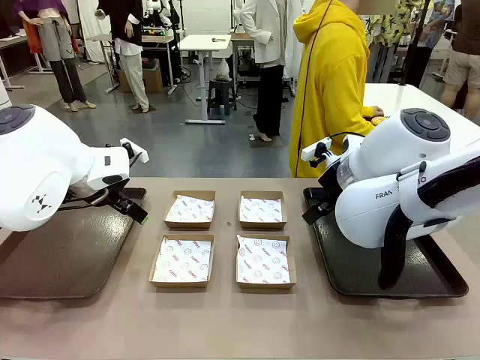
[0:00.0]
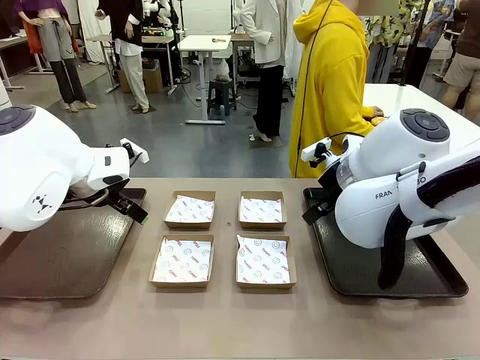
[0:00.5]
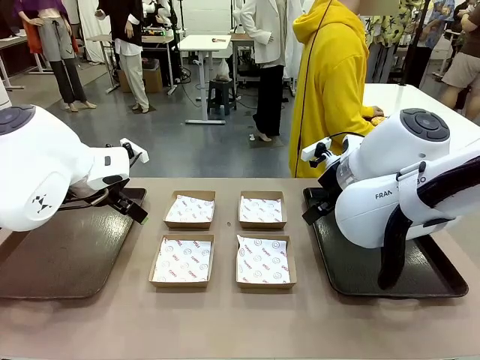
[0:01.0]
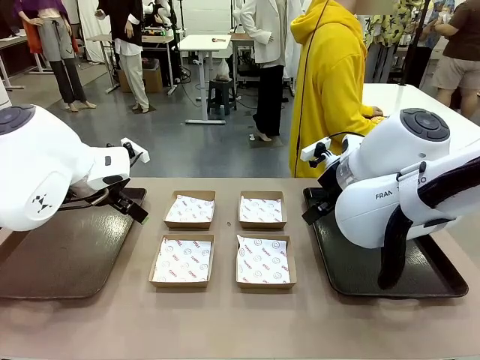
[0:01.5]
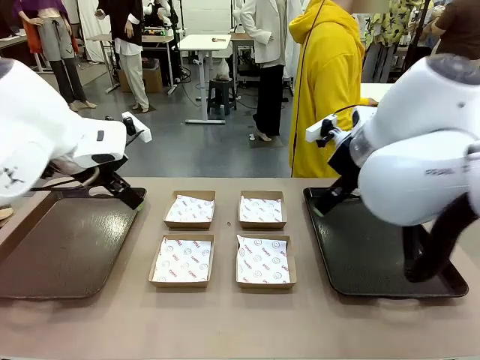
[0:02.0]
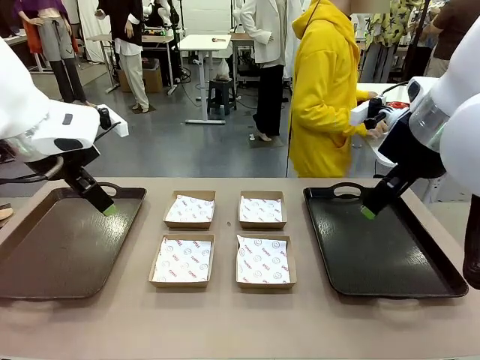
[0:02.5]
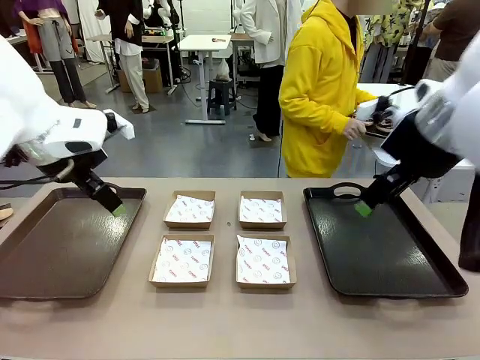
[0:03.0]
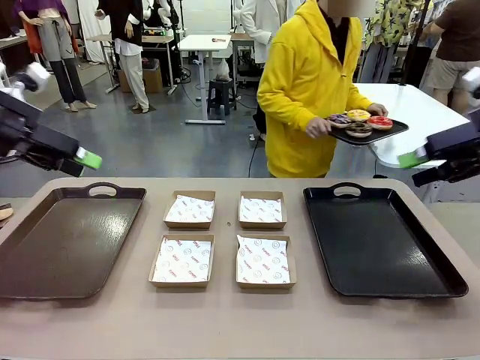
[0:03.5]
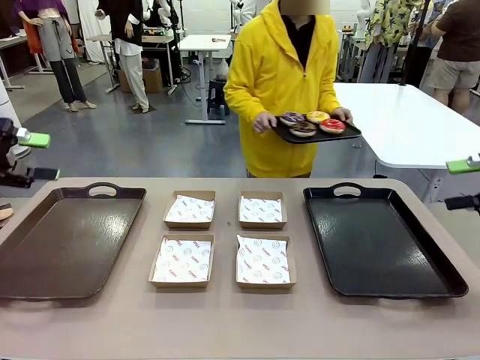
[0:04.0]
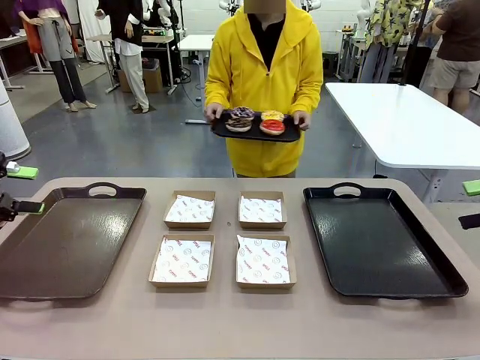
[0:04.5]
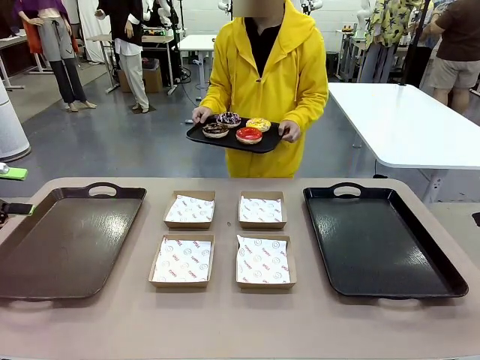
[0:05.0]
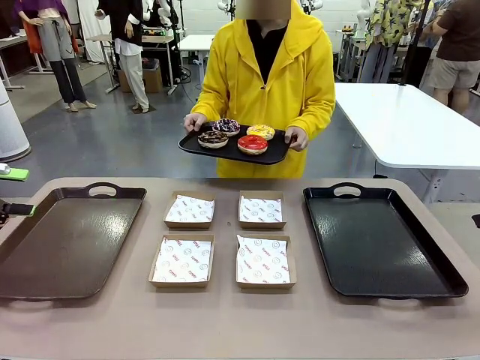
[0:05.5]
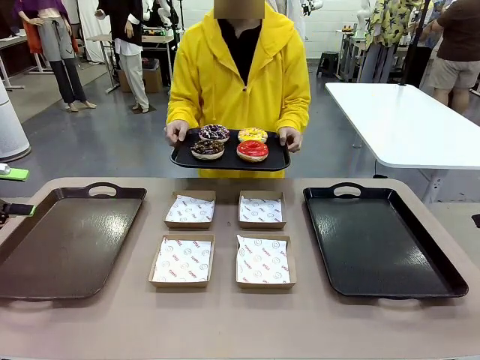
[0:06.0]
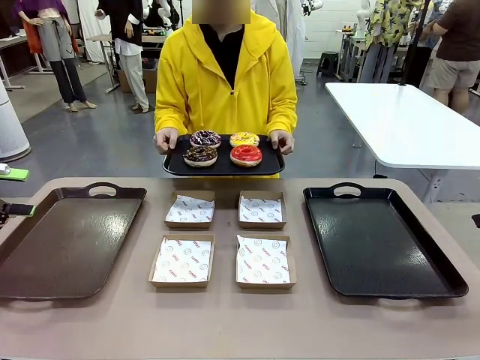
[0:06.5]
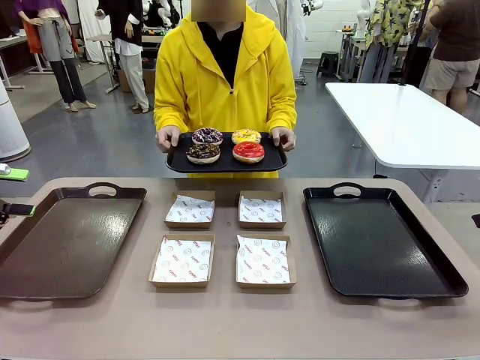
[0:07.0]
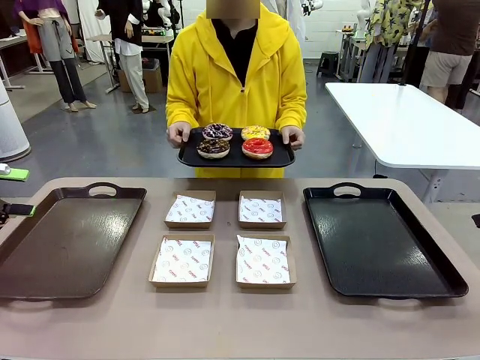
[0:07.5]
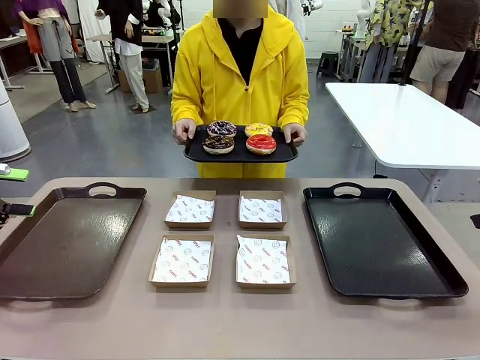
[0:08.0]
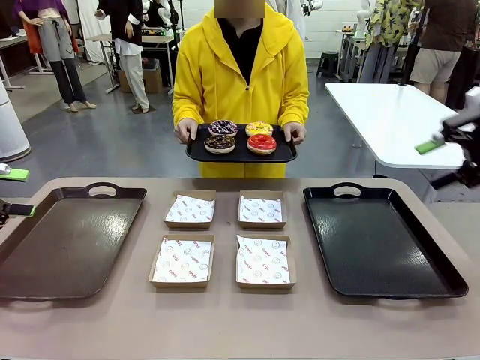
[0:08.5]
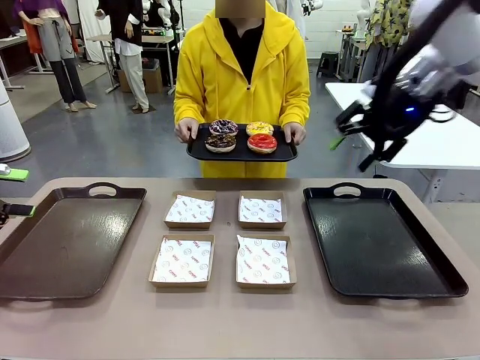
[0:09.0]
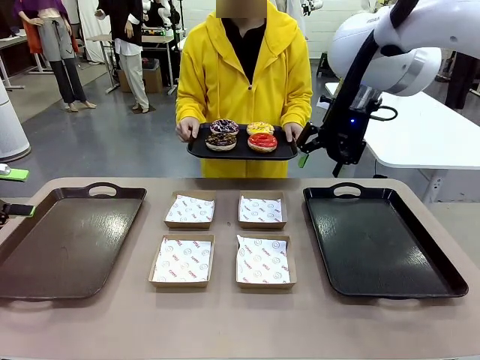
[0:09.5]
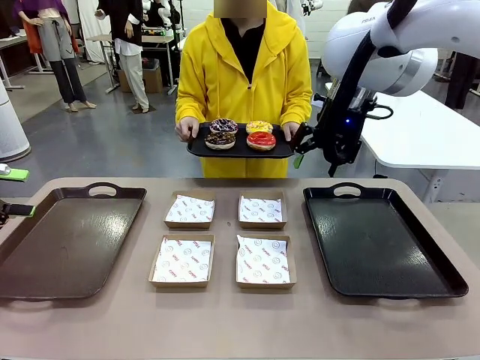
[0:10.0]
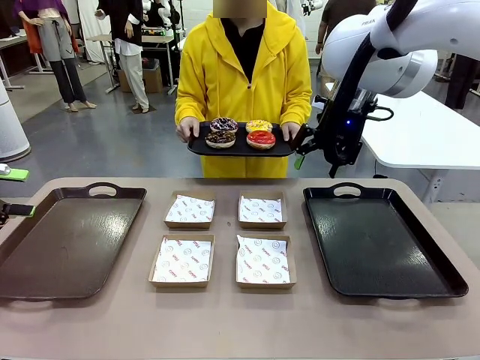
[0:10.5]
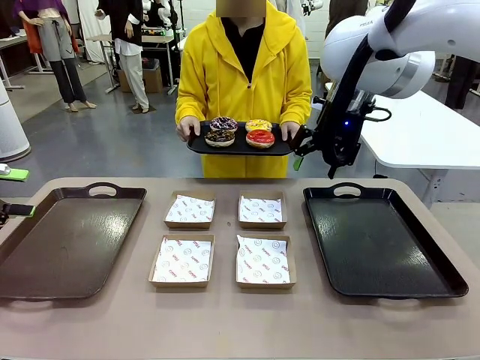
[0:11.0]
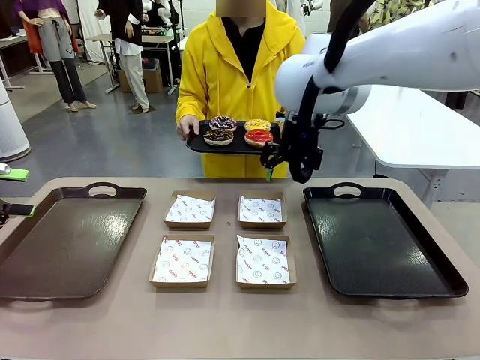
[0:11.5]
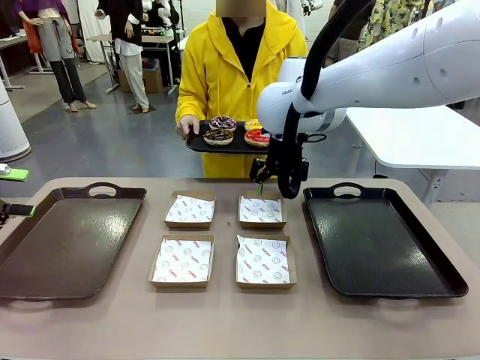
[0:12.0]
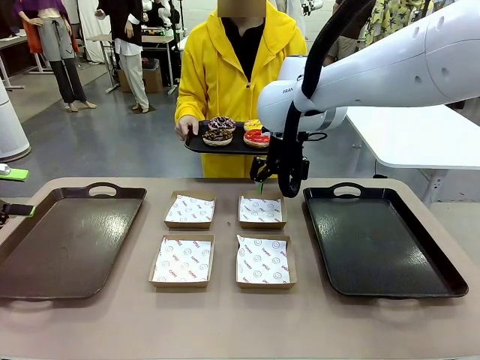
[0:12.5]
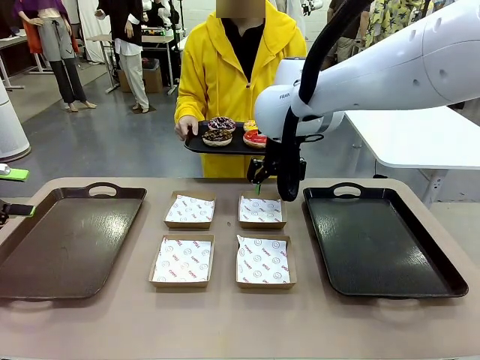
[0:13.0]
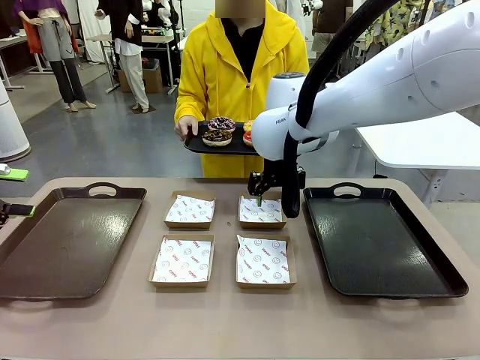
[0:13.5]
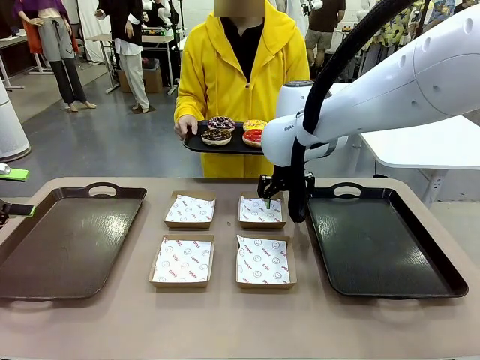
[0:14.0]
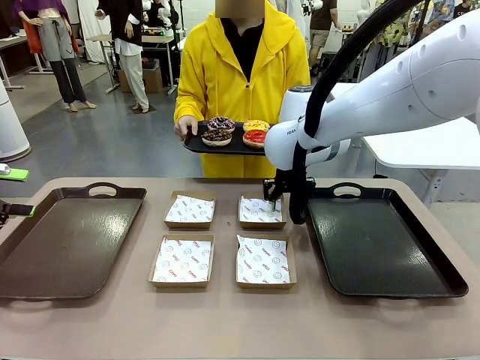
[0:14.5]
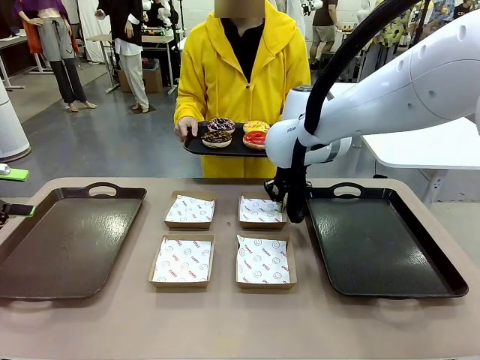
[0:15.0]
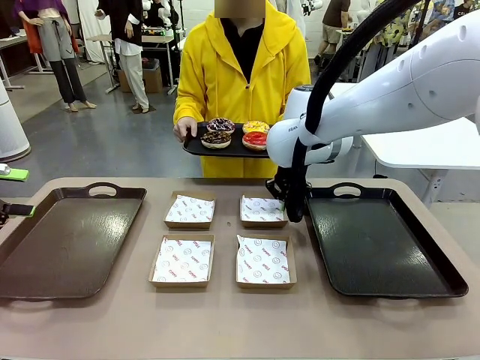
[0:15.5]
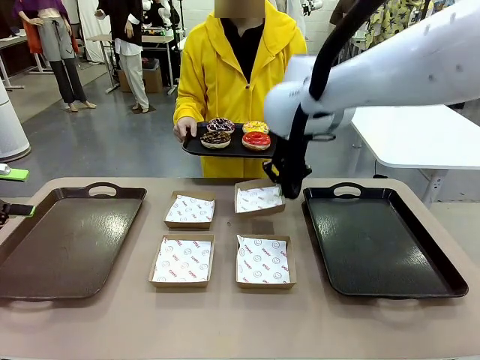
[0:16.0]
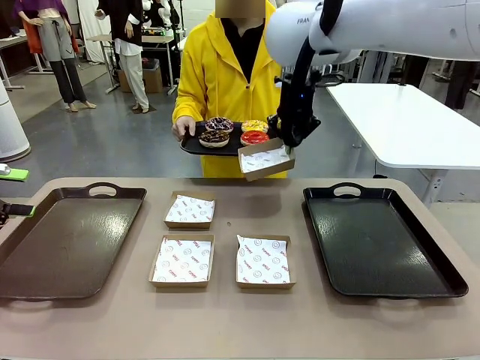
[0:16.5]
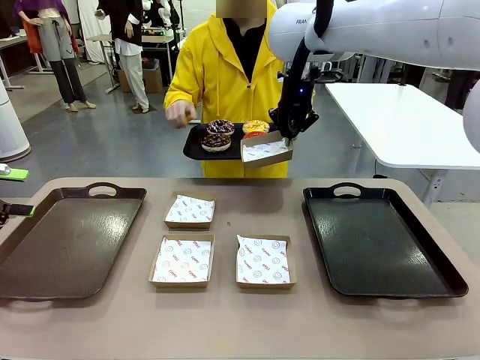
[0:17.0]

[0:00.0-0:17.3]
Task: Individually package the donuts and arrange them on the tray.
Robot: Pick up one Paper togo box.
Person: Stand in front of the robot table holding the tray containing the donuts.
